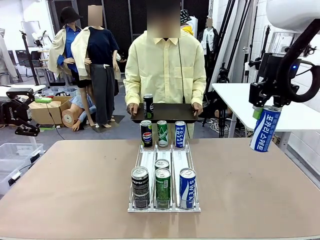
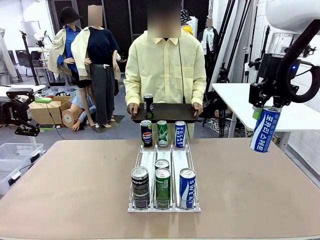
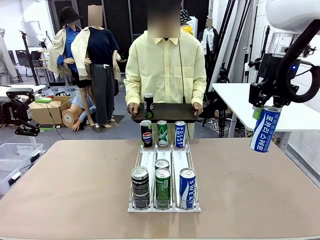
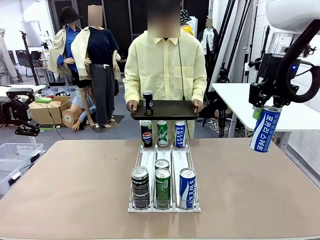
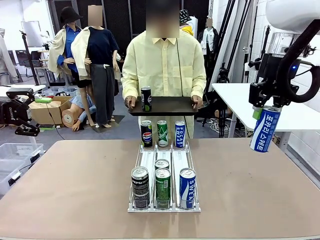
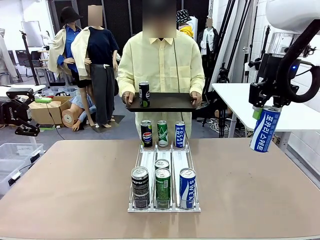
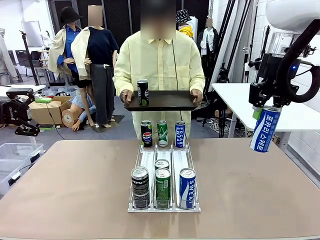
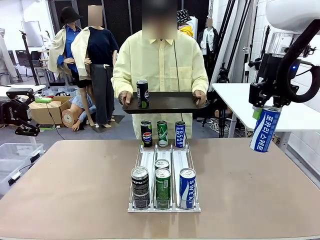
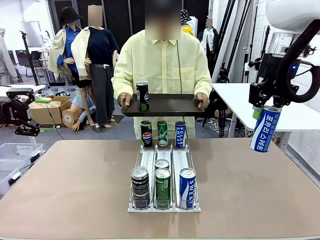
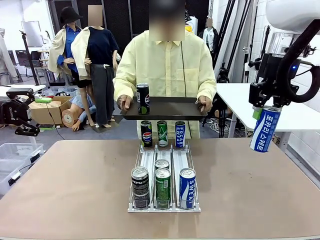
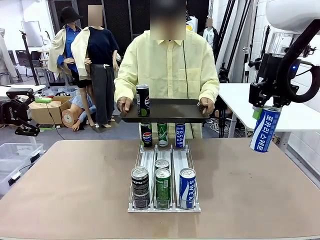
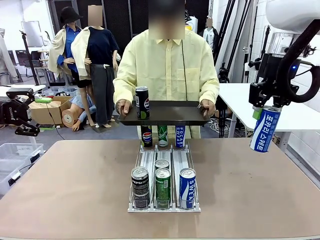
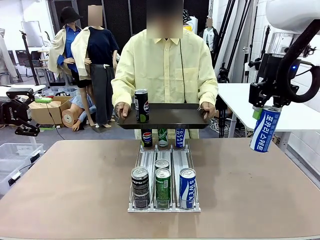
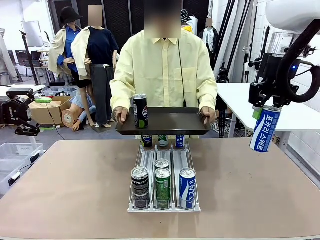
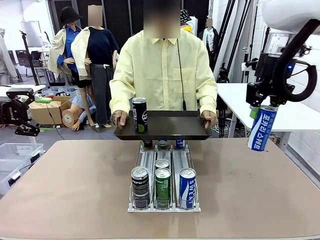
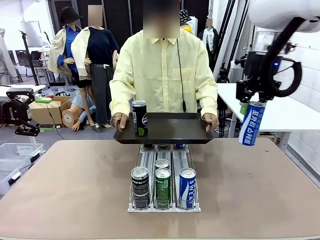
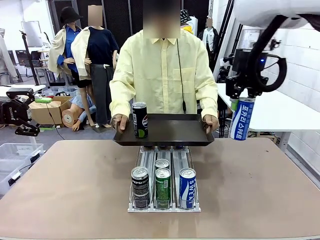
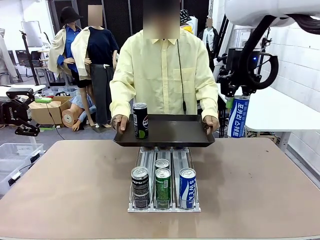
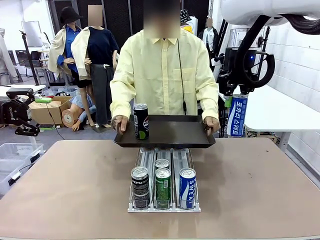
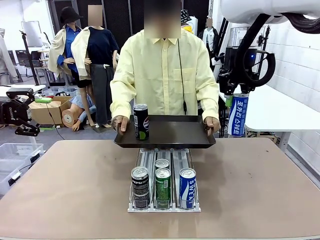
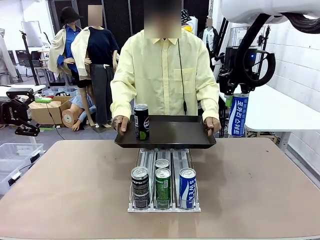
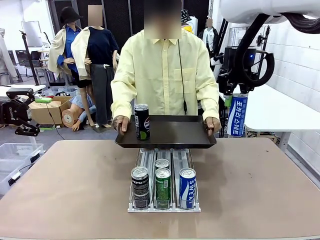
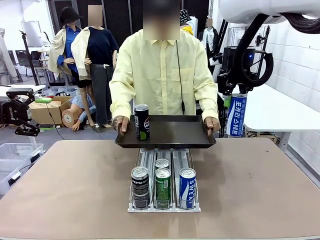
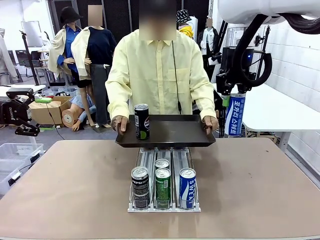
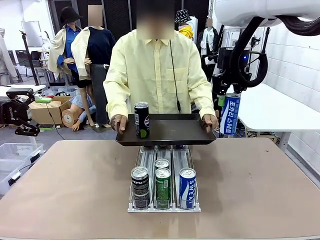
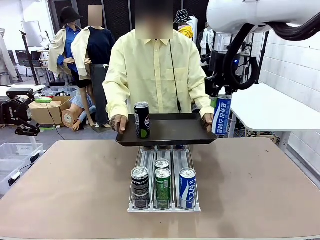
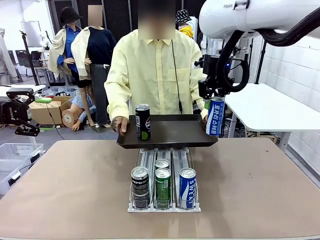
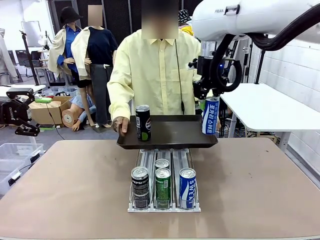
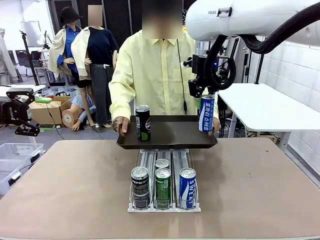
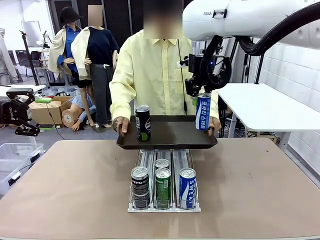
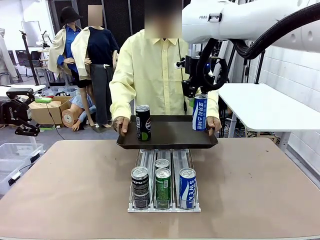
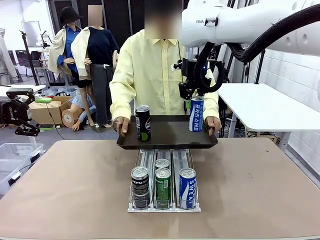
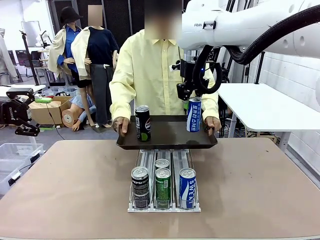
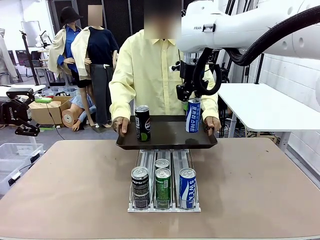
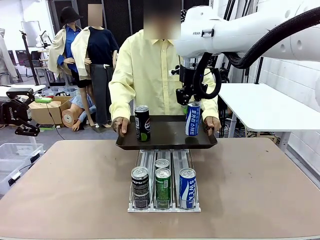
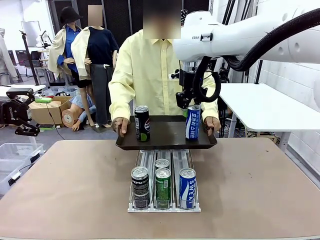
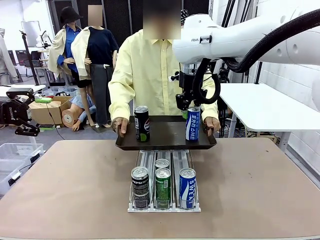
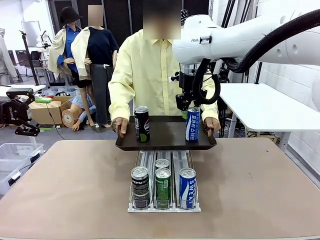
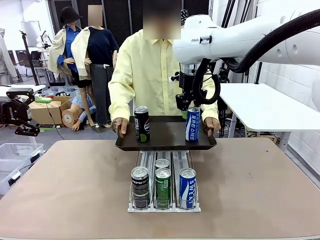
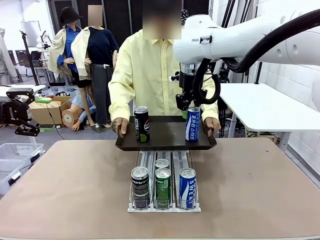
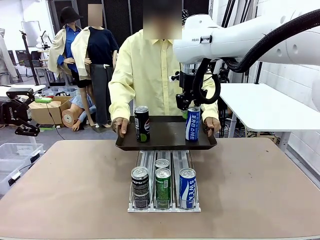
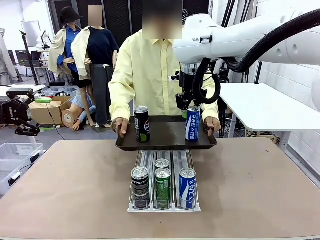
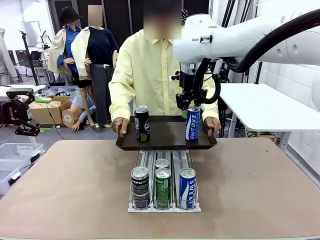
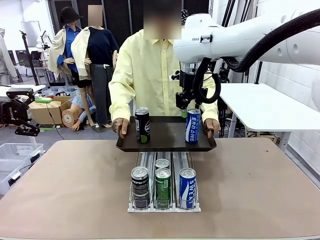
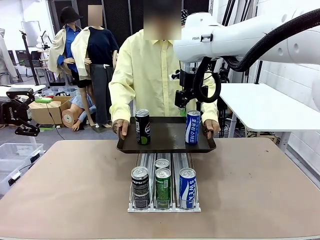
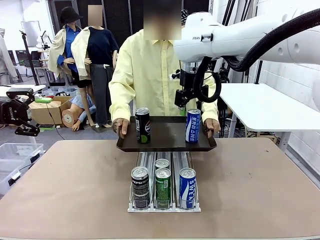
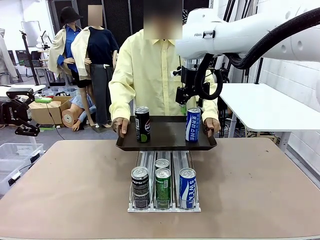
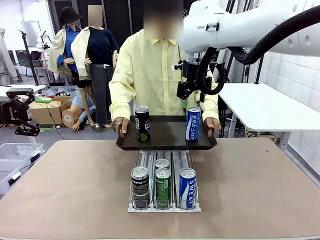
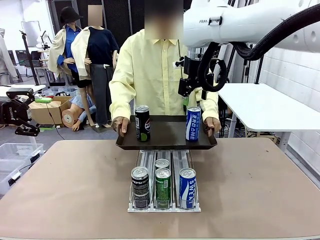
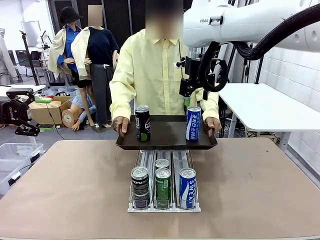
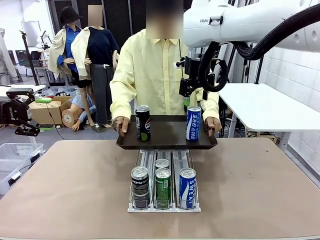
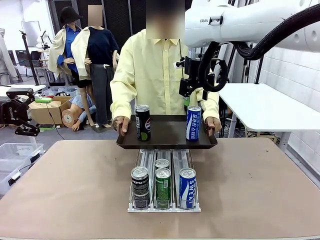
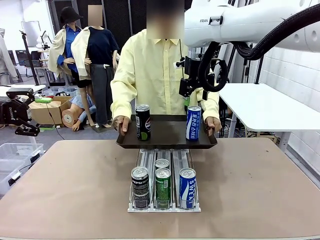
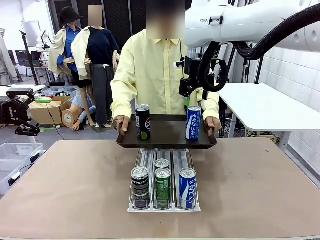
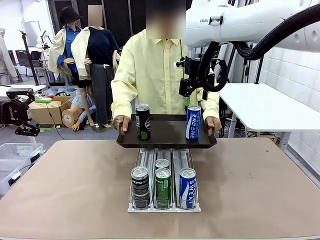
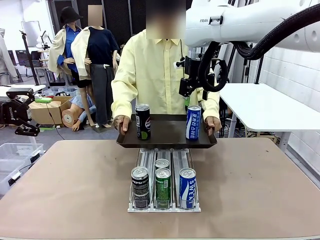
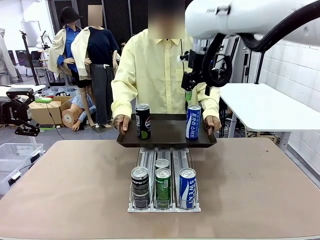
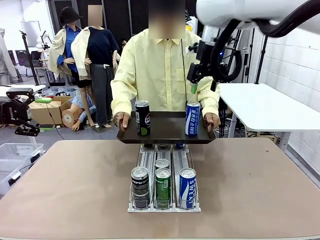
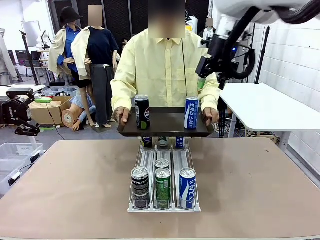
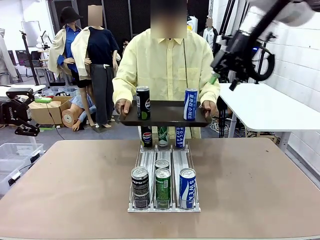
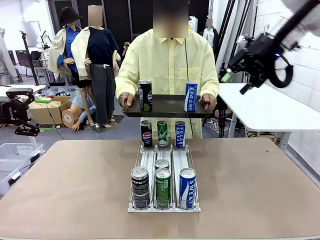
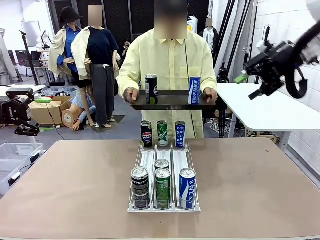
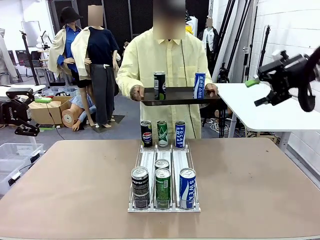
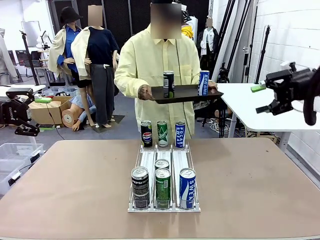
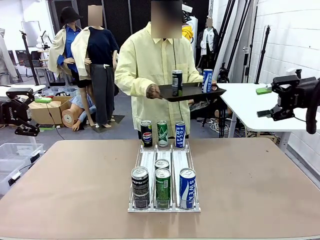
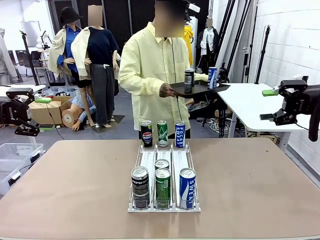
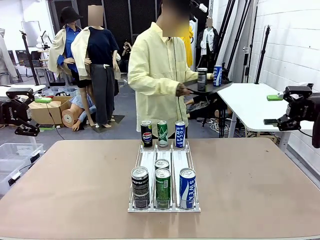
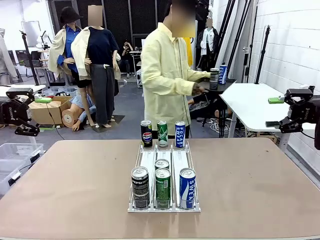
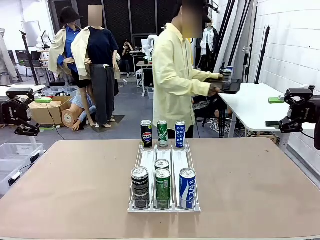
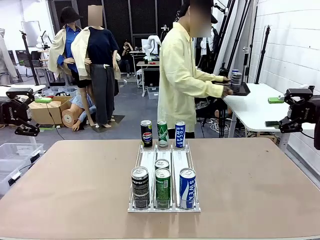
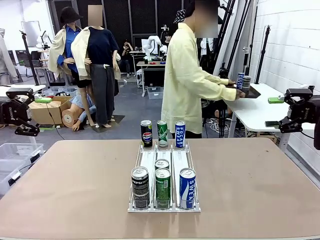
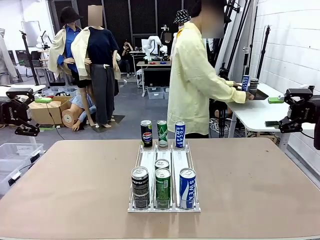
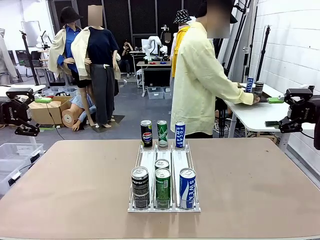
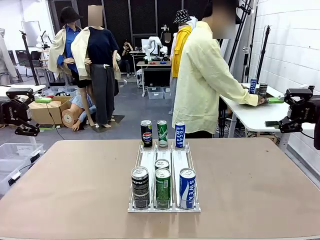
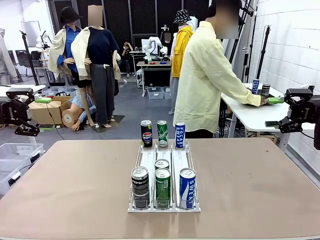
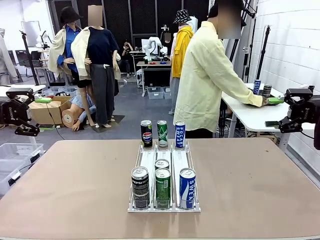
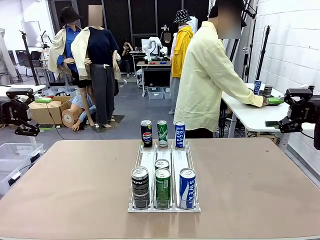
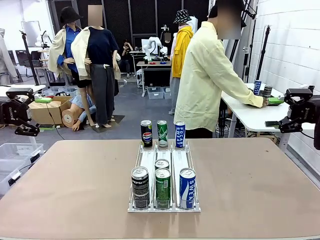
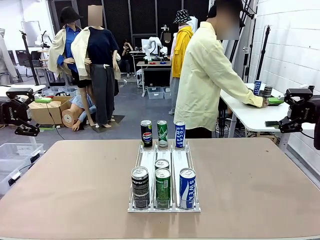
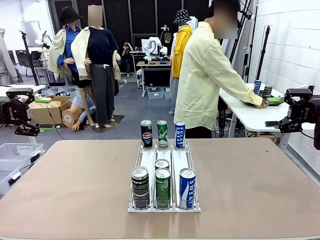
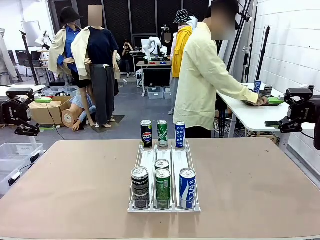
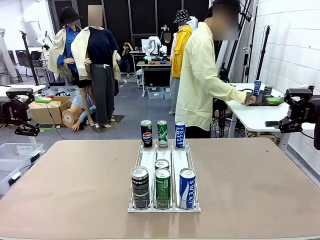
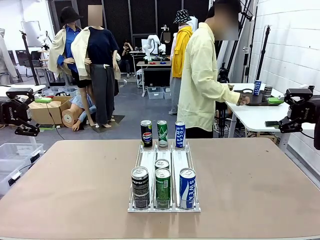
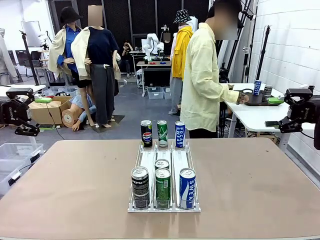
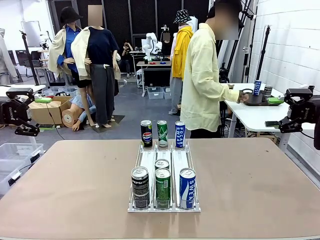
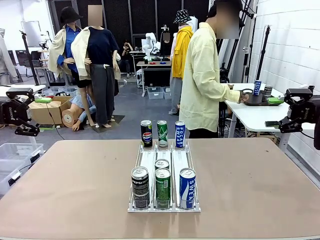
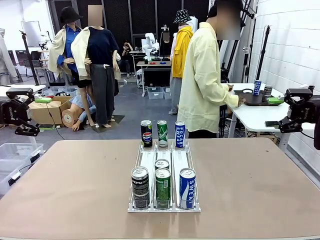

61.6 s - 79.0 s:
Task: Retrieve and hand over the desired beverage to the person.
Robot: Place the picked can on the Handle tray extended by the person.
Person: Pull the tray back and place it at the center of the human table.
